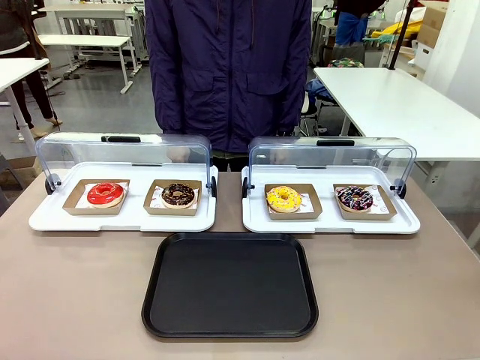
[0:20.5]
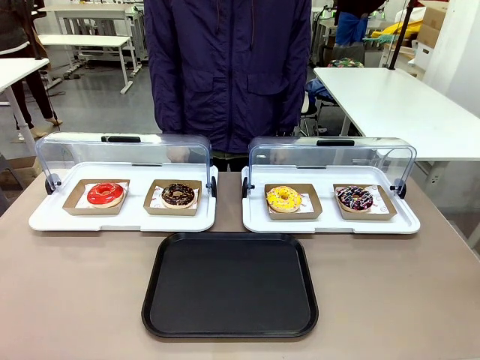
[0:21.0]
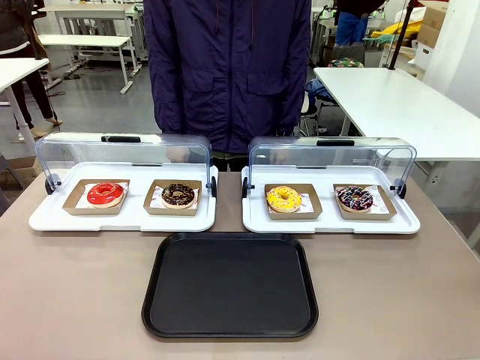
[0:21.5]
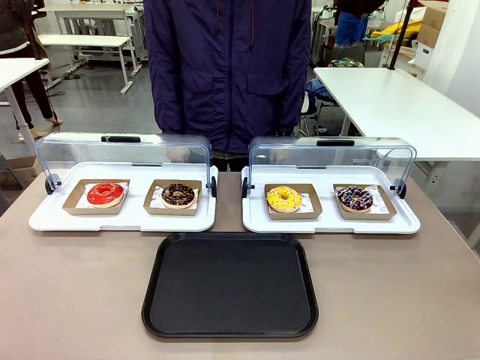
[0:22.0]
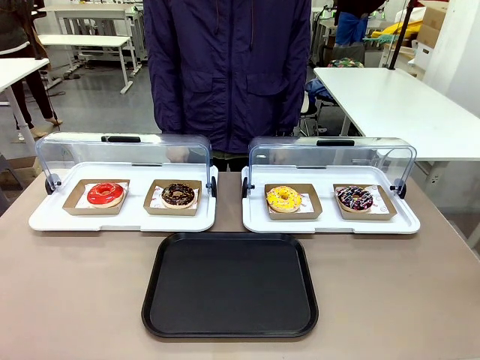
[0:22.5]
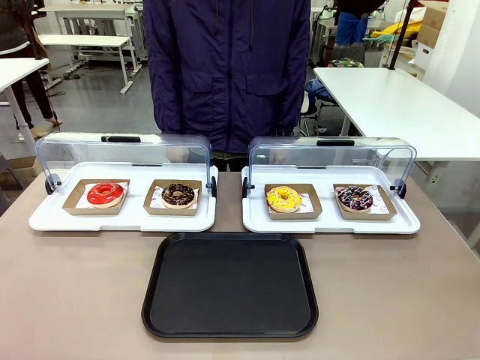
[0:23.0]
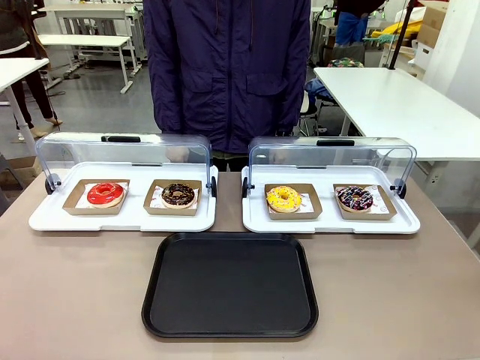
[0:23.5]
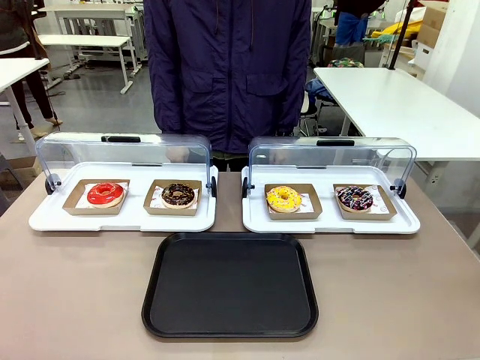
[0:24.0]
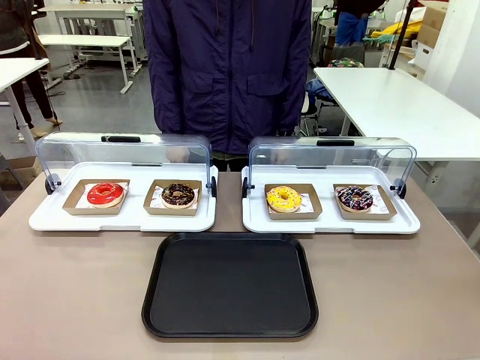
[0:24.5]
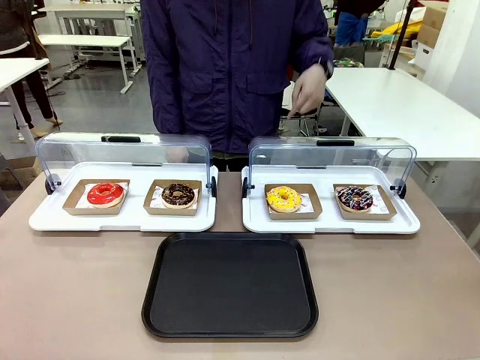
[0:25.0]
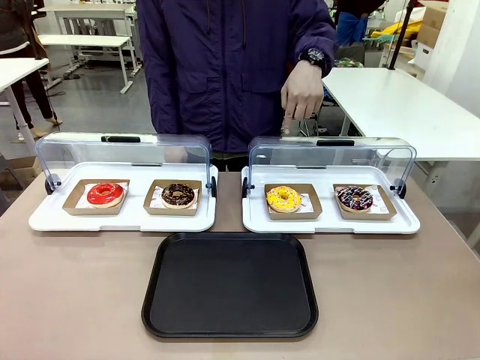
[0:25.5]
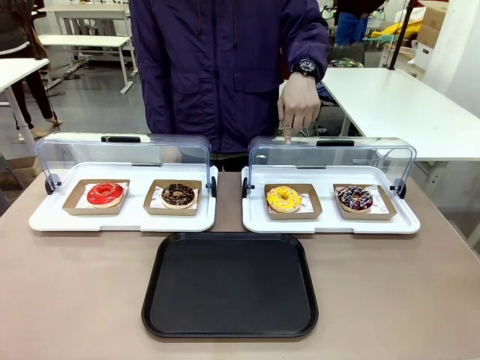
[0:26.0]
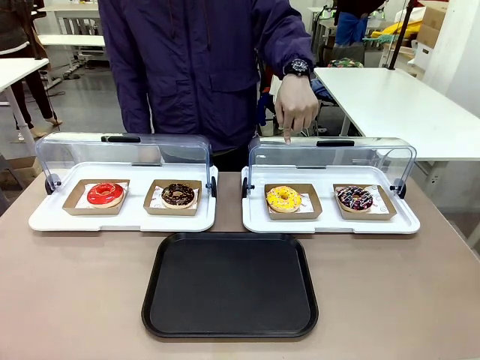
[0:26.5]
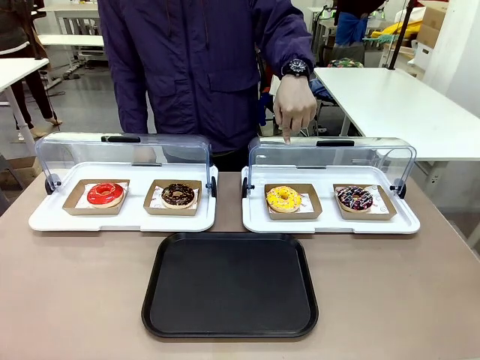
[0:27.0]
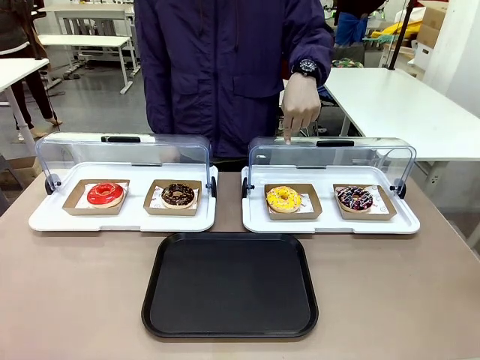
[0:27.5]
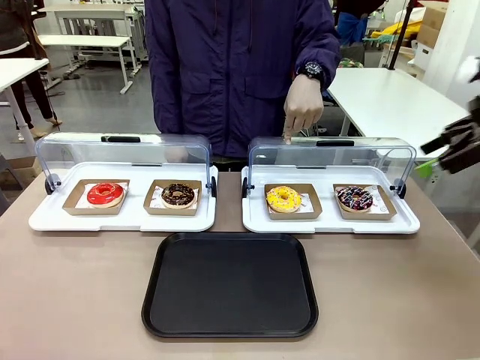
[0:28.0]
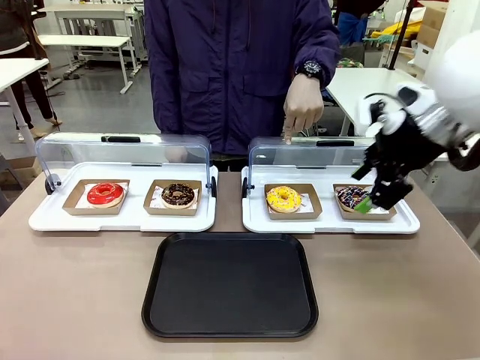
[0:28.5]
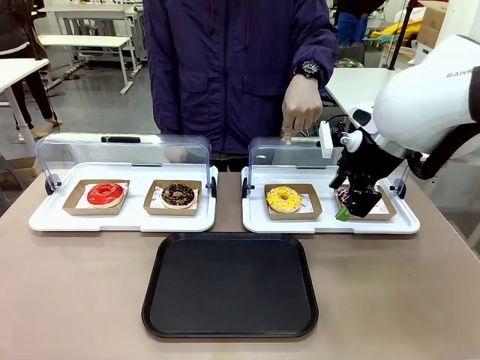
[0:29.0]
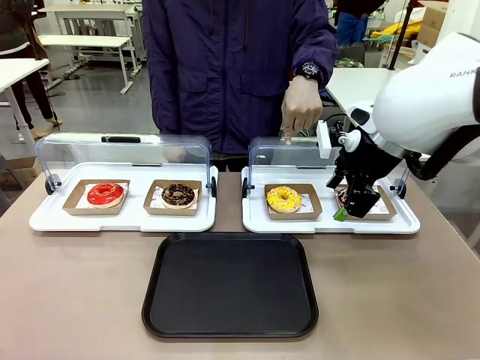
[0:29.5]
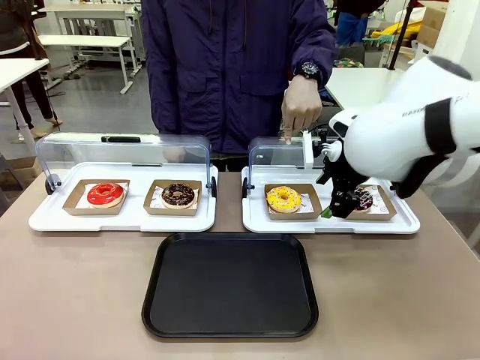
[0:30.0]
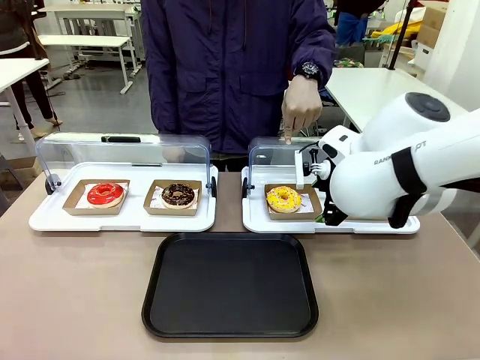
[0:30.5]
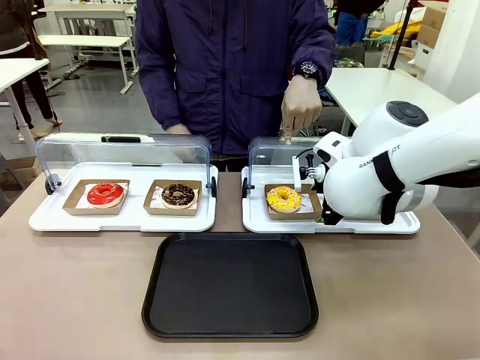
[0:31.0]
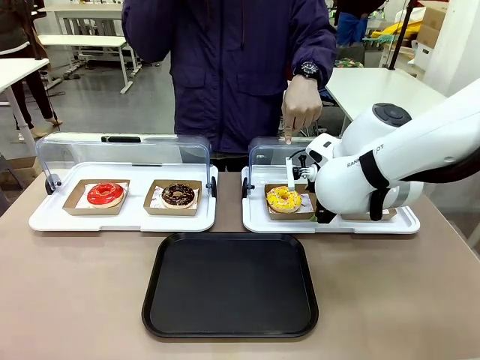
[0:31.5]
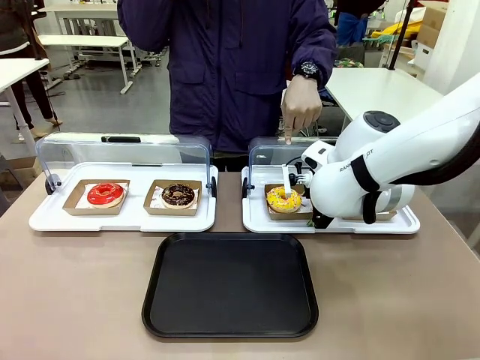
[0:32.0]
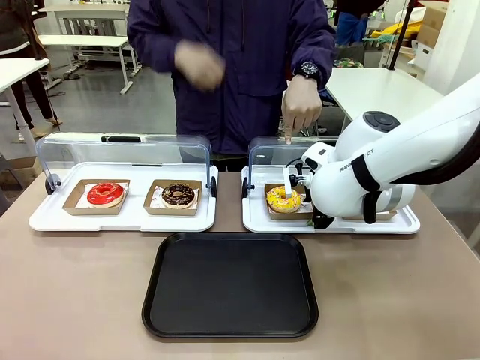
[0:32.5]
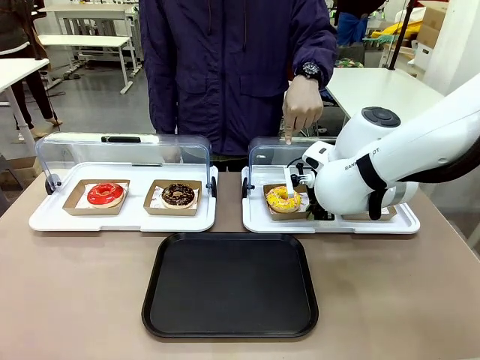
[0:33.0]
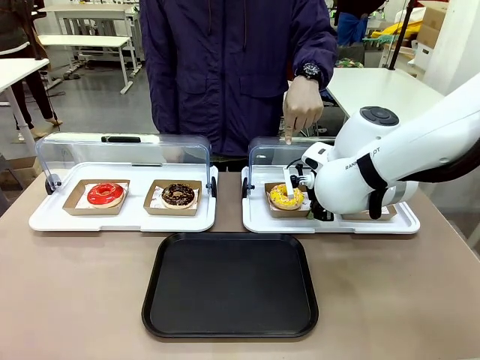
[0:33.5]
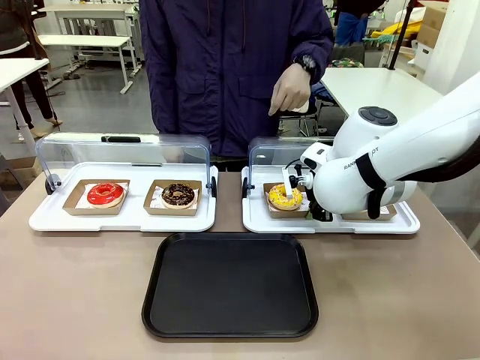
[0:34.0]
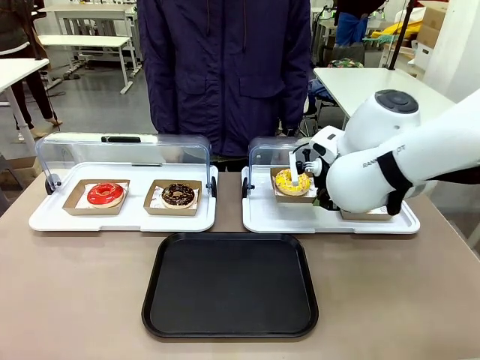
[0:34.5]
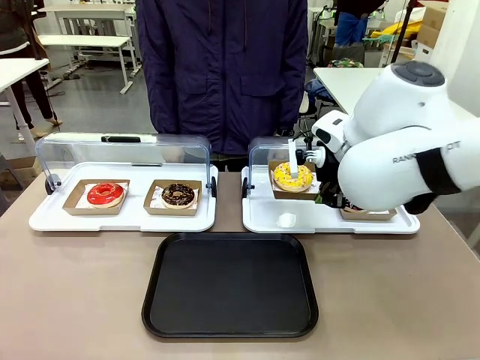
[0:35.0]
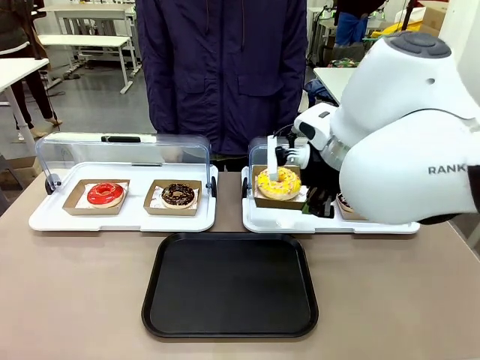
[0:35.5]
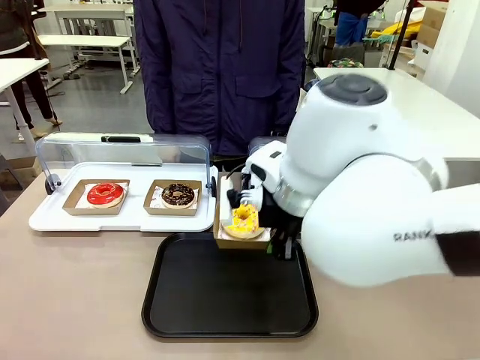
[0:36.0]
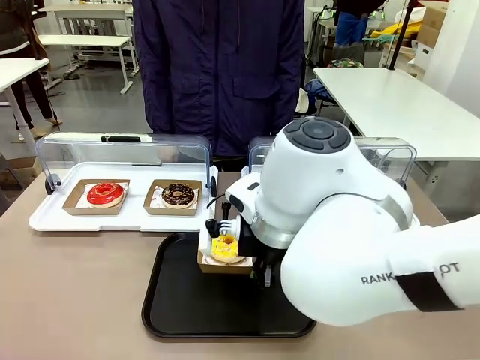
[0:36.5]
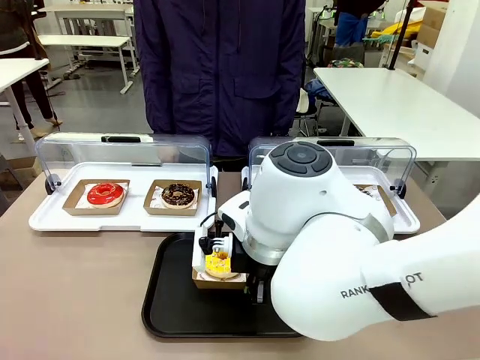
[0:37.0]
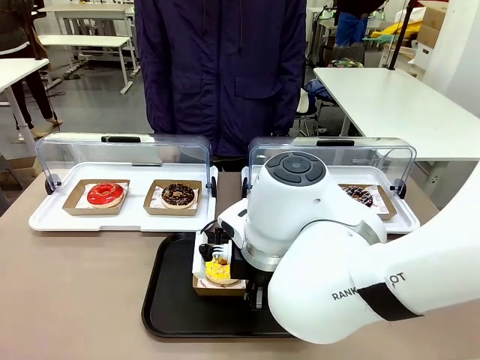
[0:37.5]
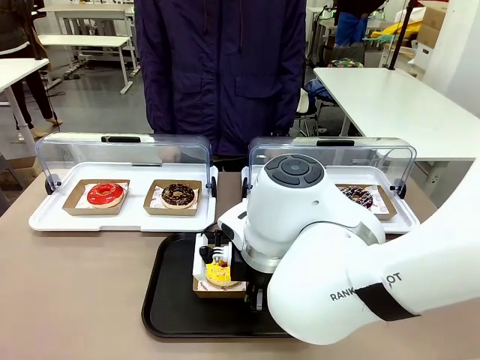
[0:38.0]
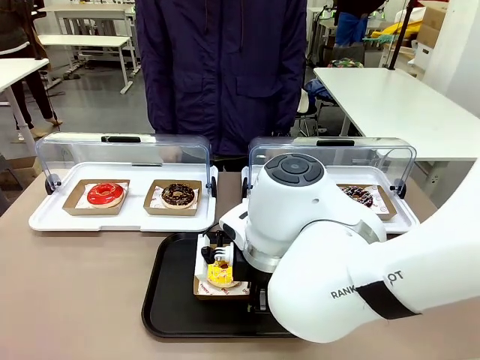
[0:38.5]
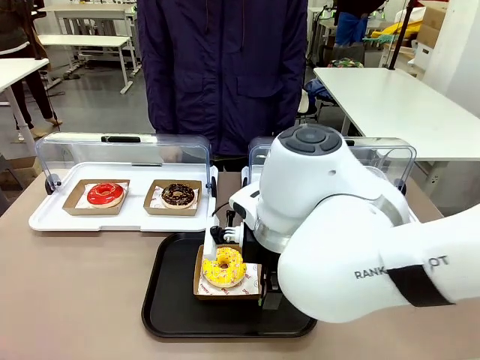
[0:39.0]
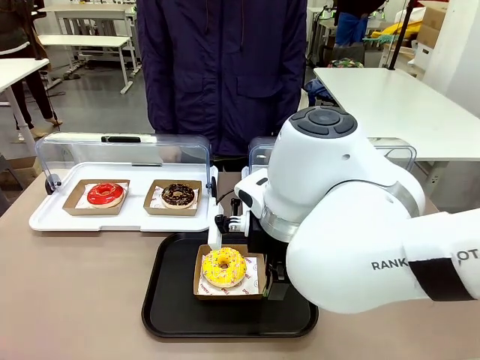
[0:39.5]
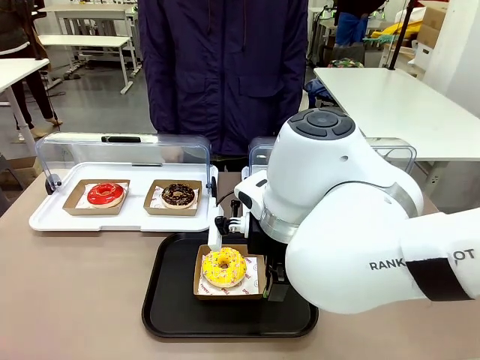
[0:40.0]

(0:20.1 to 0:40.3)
Task: Move the third donut from the left to the tray.
Robot: Pick up the Paper togo box containing the Donut indicated by the person and place it on the Handle tray.
Person: Points to the third donut from the left from the robot’s perspective.
